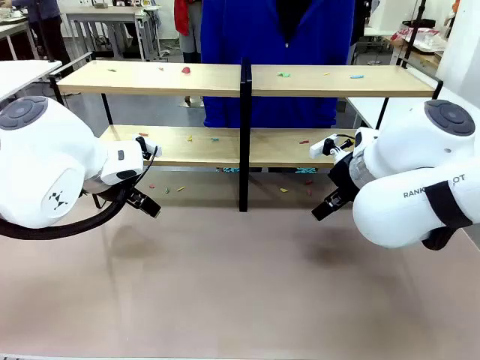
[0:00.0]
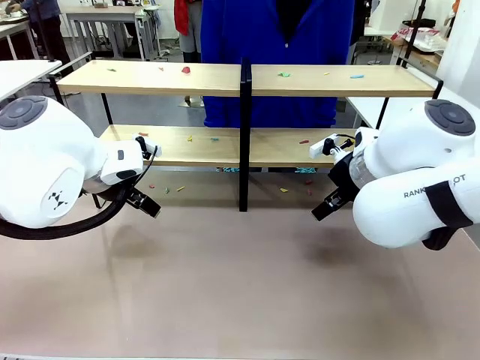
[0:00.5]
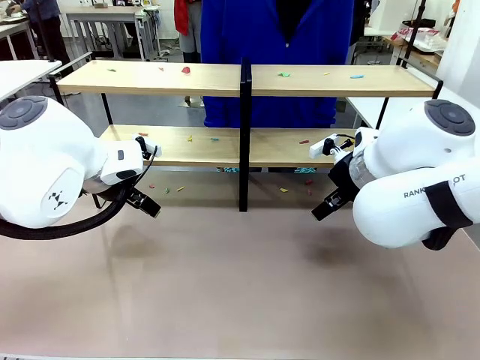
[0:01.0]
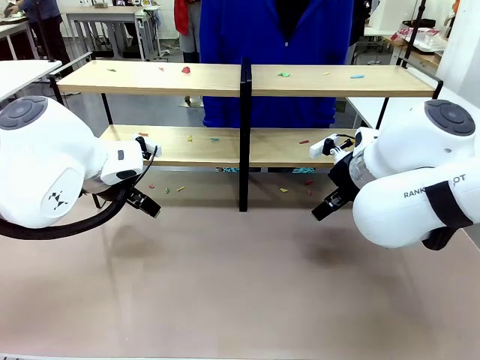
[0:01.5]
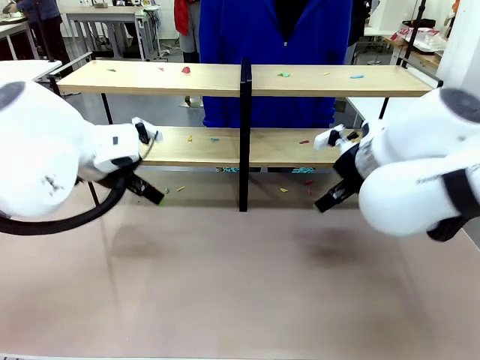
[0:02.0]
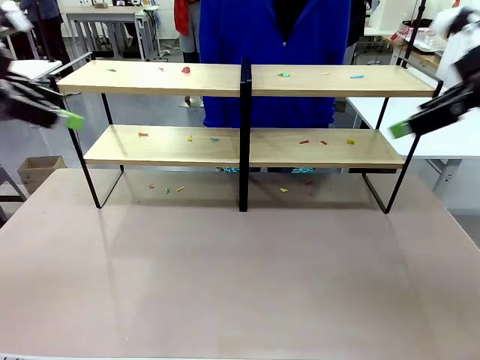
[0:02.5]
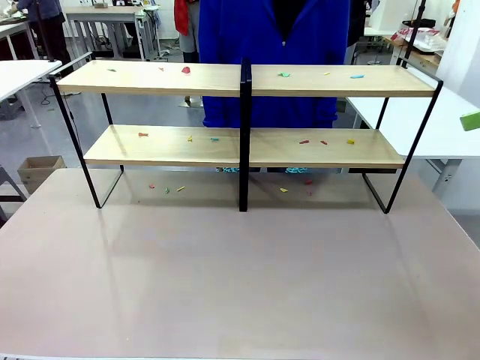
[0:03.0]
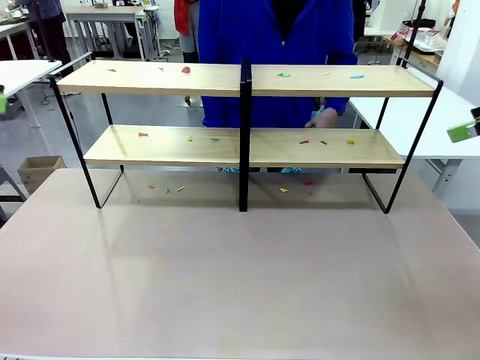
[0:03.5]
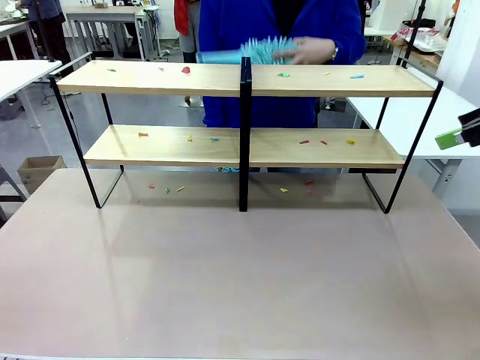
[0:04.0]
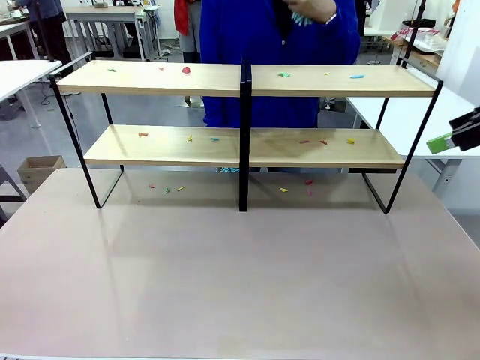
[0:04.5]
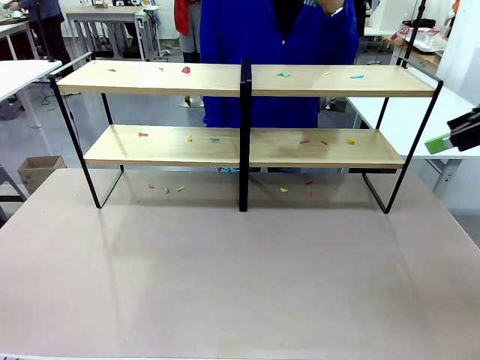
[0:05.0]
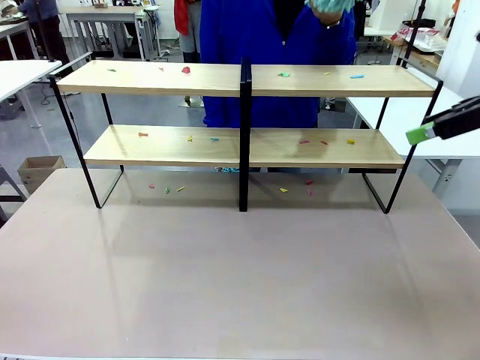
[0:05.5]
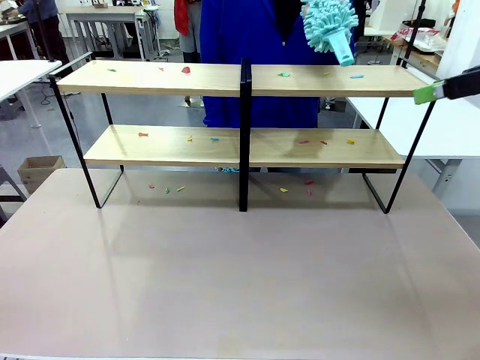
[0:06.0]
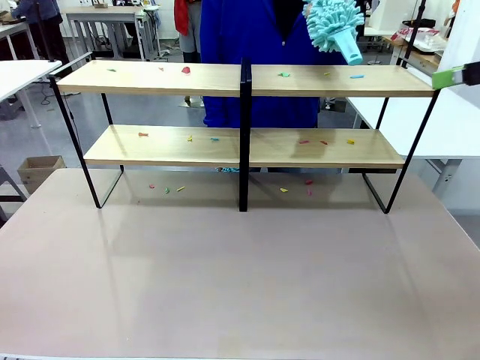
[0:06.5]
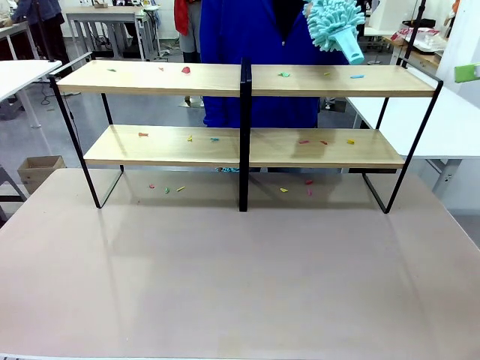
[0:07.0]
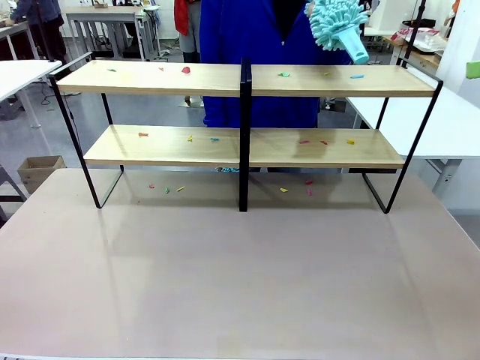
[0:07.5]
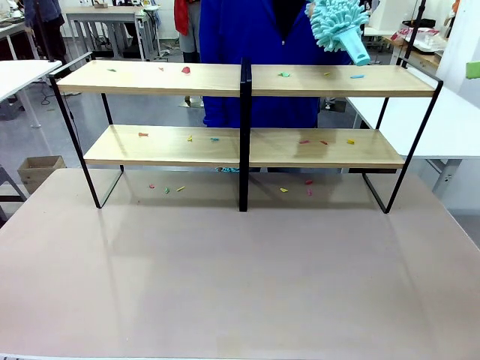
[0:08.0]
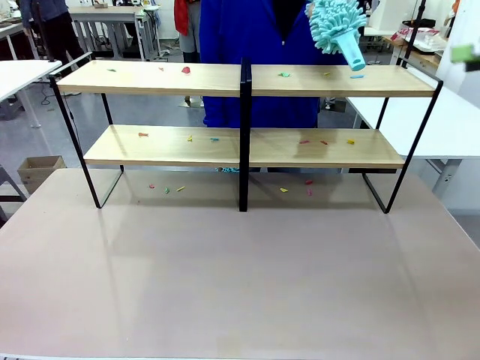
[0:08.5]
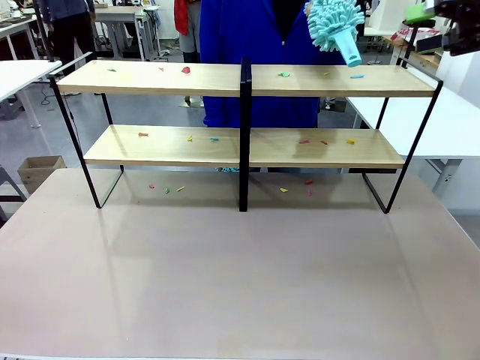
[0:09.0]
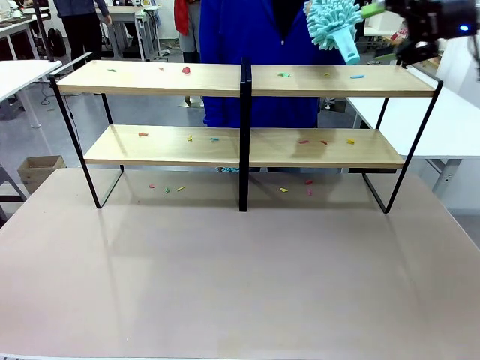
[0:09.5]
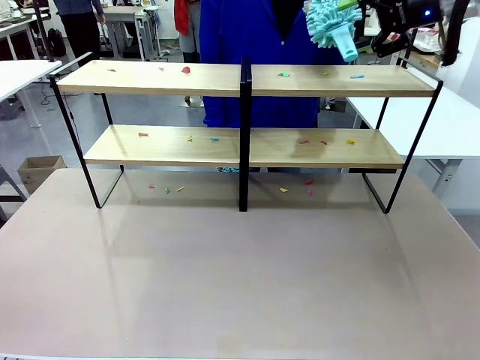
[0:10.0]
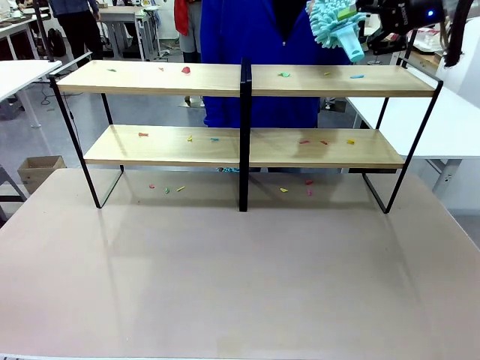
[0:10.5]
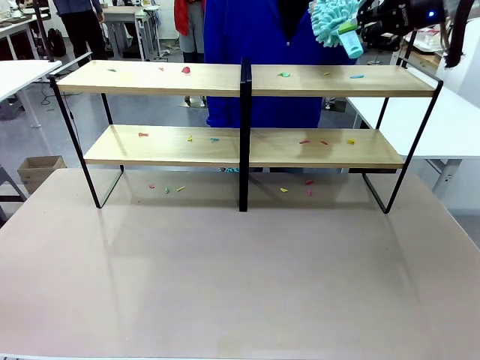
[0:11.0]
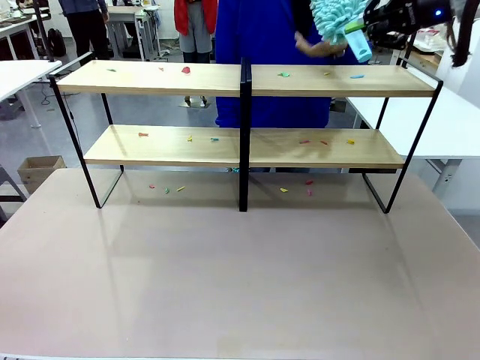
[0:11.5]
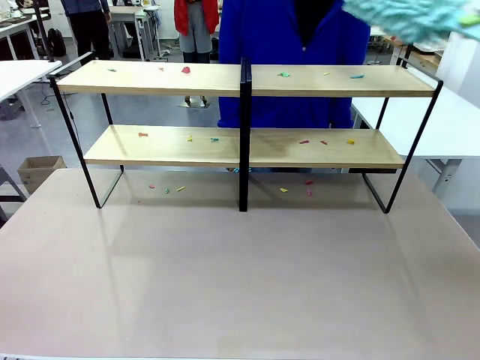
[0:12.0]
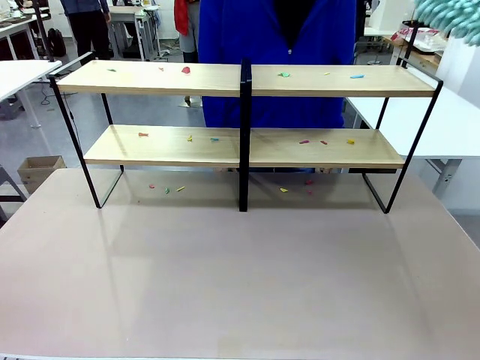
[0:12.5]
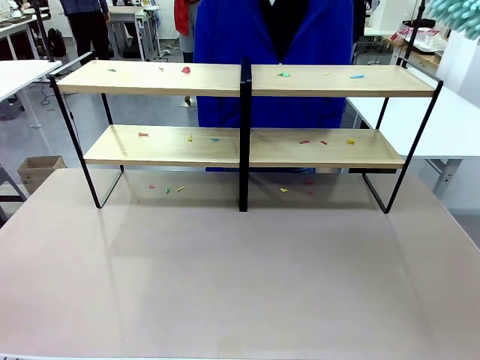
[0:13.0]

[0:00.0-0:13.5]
Task: Clean the shelves.
Robot: Pick up the Duster when the human hands it over.
Person: Hand the Duster to the robot with your right (or left) hand.

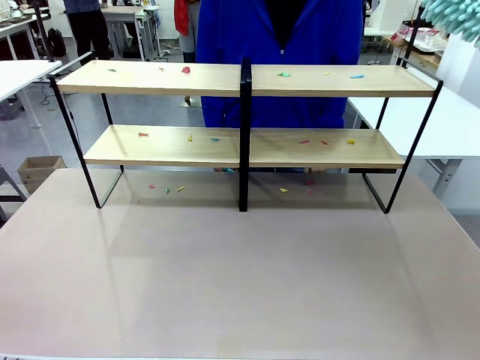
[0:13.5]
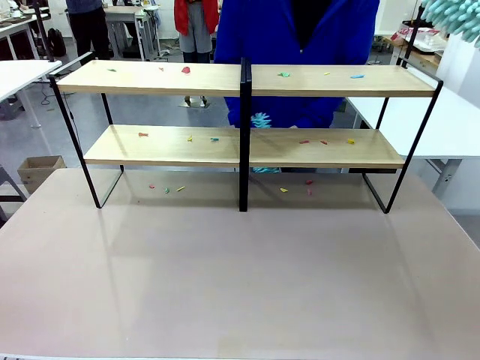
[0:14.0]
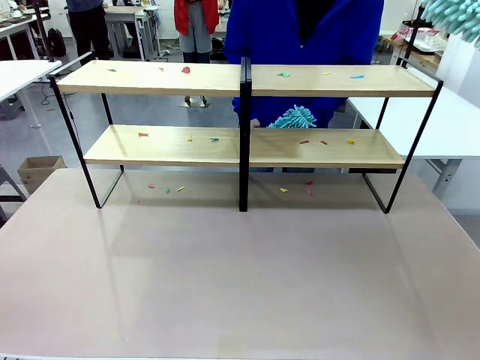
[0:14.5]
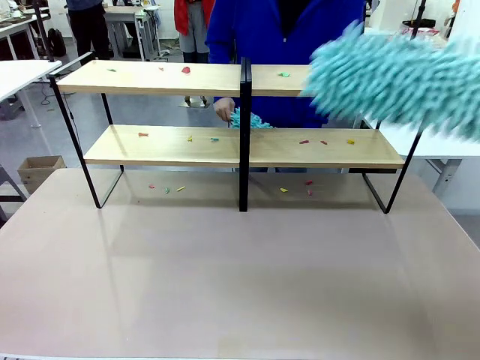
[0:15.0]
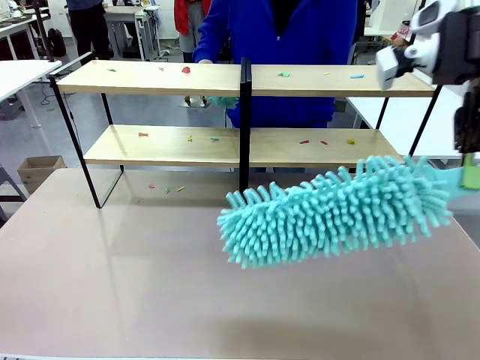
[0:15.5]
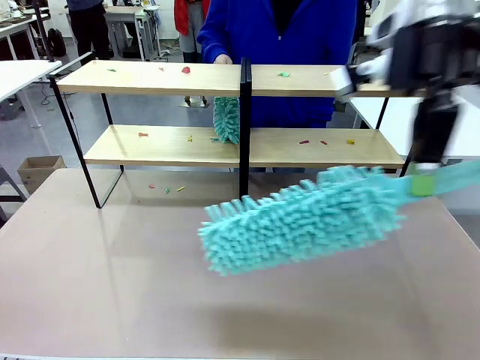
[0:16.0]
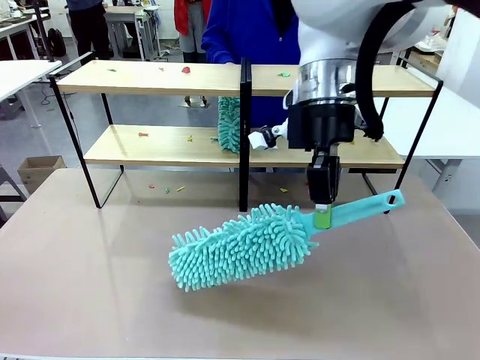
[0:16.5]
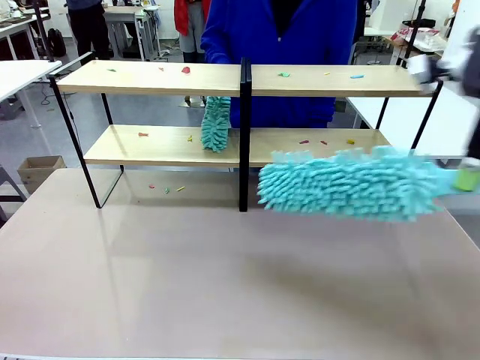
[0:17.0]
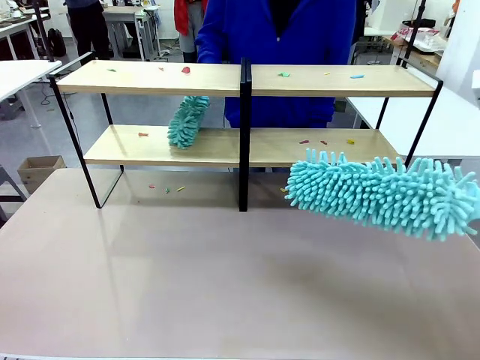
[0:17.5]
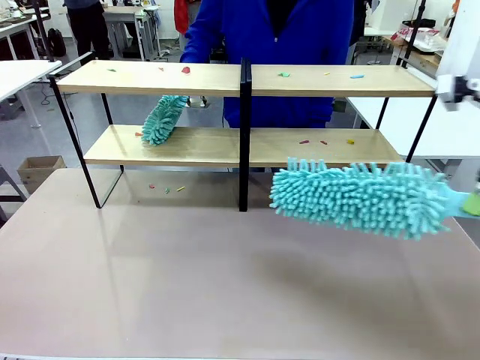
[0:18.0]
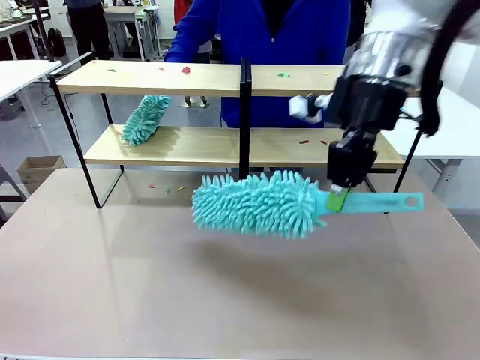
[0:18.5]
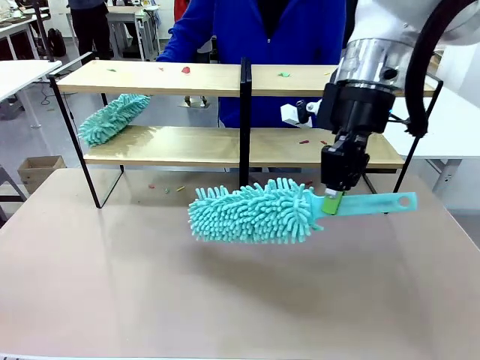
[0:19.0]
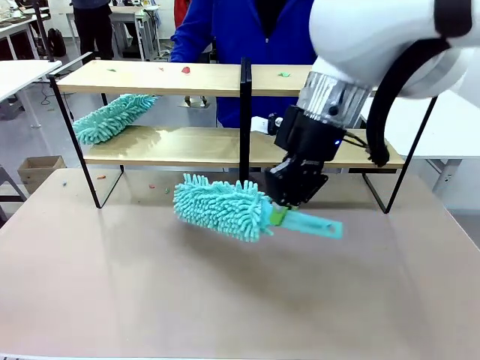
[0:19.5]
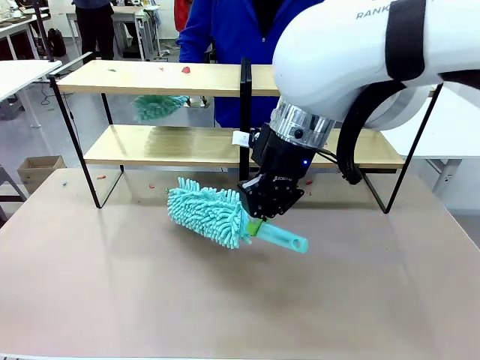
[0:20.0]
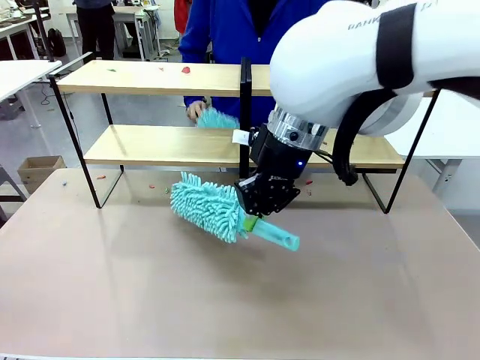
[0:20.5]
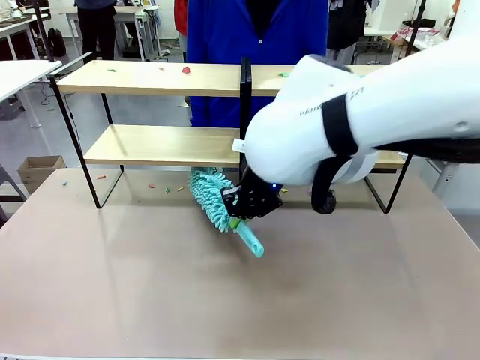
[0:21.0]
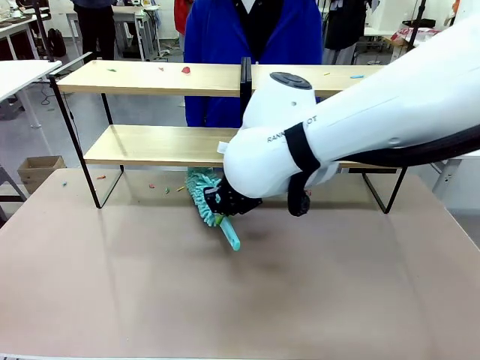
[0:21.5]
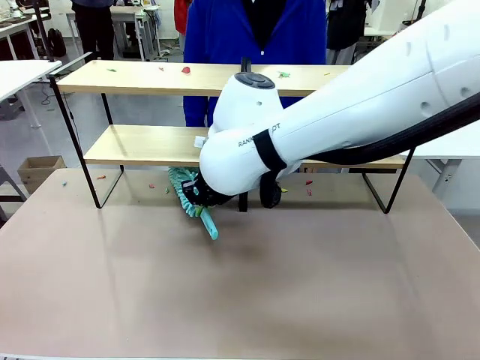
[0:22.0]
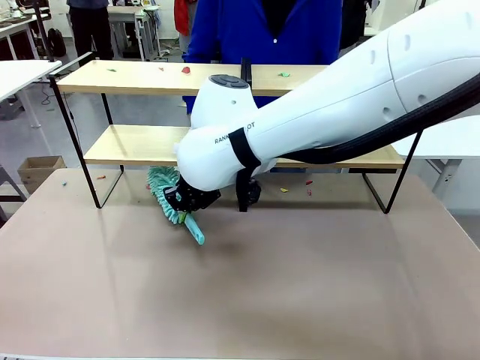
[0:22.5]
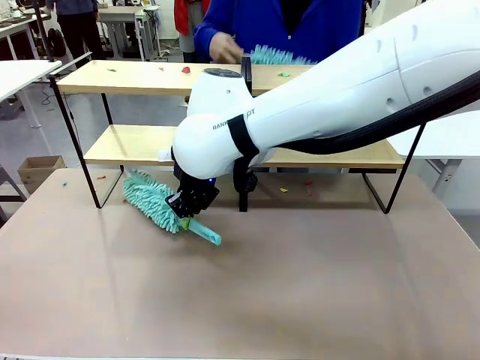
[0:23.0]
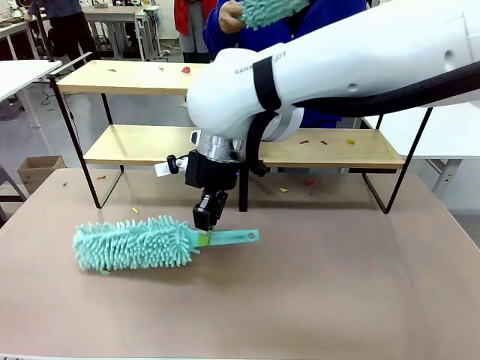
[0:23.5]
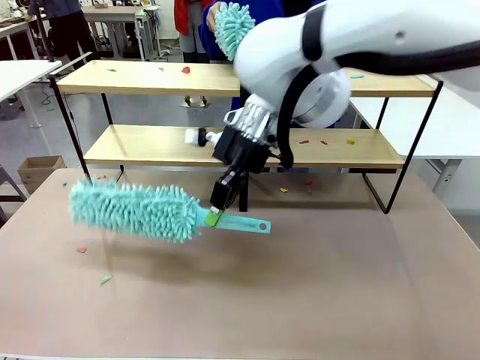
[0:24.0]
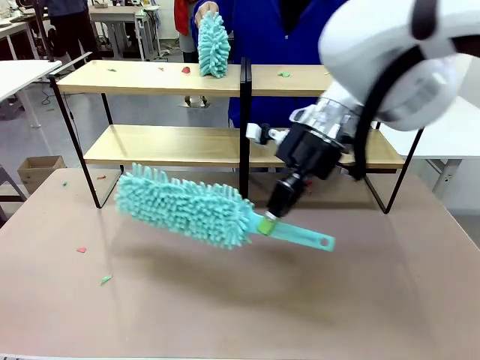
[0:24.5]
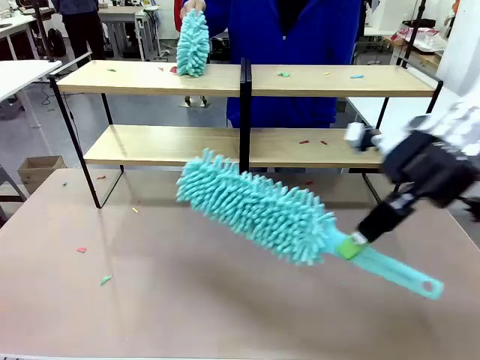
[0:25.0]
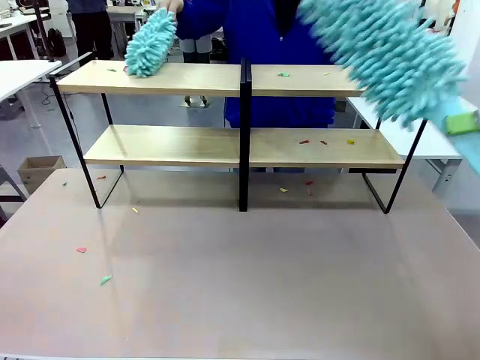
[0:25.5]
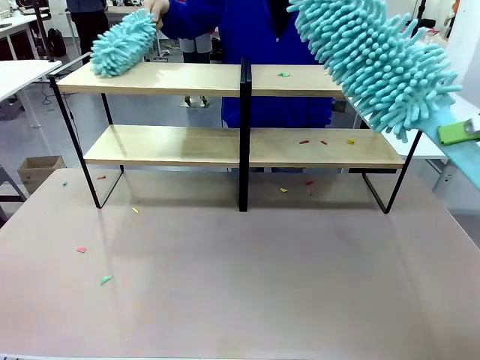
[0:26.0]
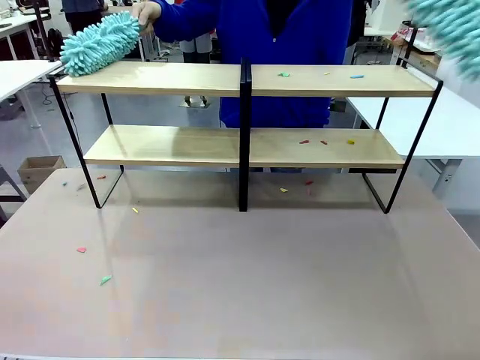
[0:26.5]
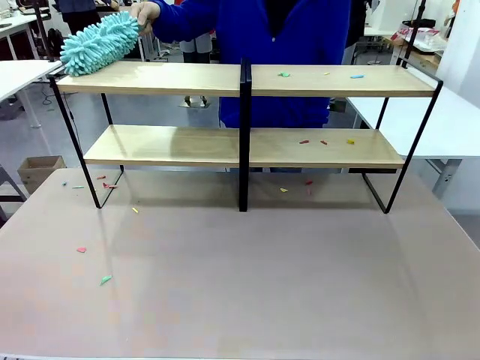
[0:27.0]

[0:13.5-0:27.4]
Robot: Clean a randomly selected level of the Shelf with the Duster.
